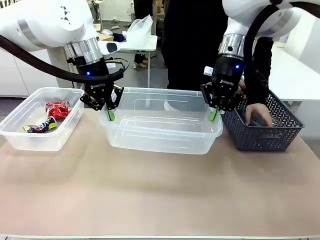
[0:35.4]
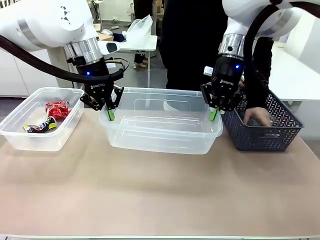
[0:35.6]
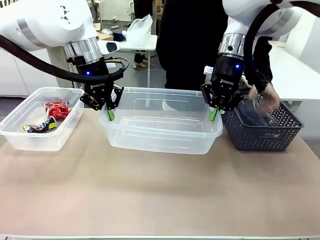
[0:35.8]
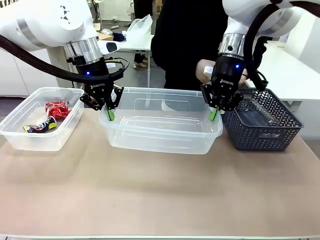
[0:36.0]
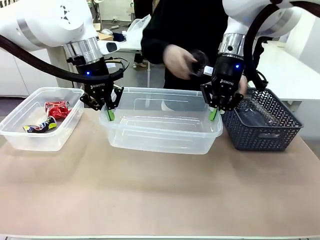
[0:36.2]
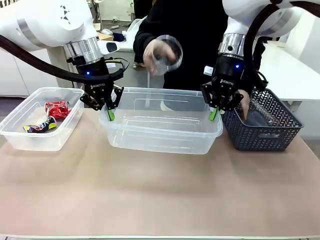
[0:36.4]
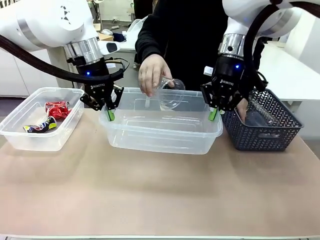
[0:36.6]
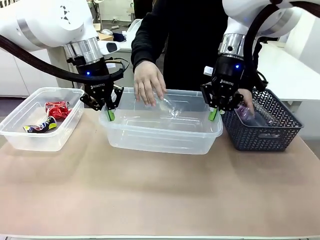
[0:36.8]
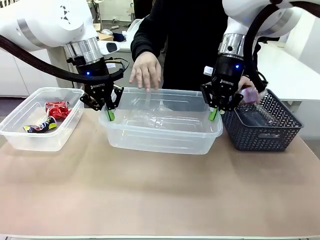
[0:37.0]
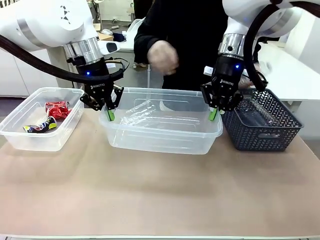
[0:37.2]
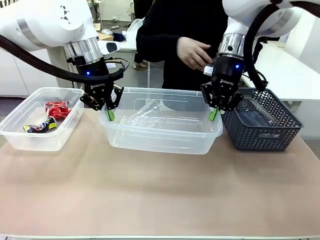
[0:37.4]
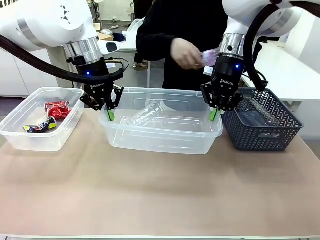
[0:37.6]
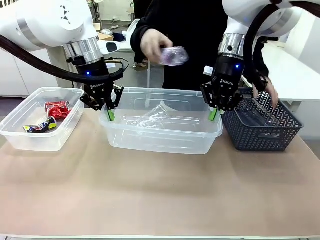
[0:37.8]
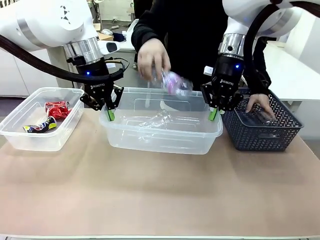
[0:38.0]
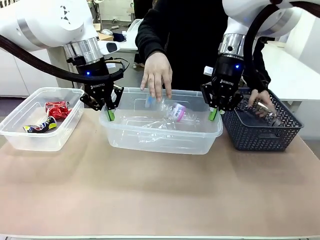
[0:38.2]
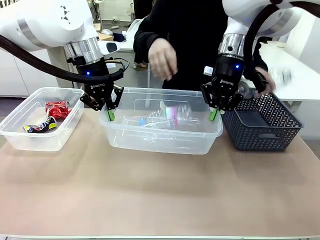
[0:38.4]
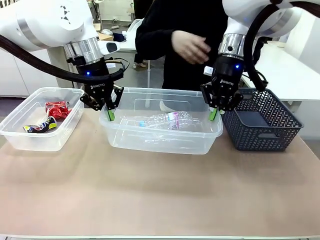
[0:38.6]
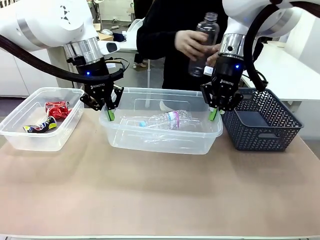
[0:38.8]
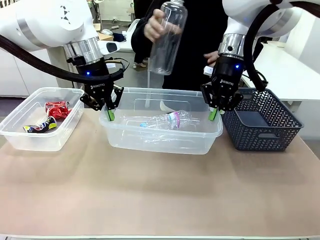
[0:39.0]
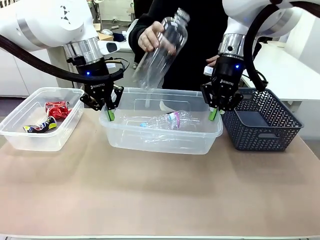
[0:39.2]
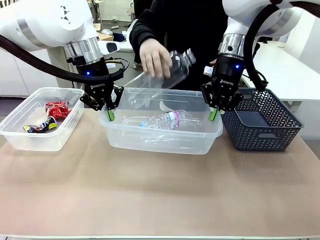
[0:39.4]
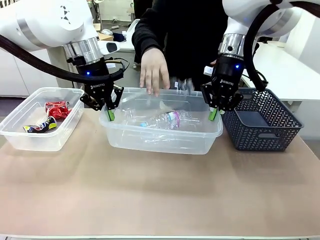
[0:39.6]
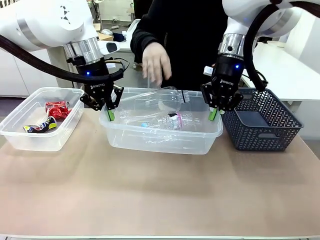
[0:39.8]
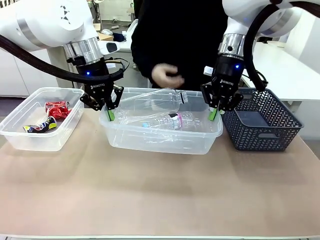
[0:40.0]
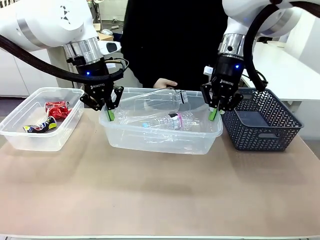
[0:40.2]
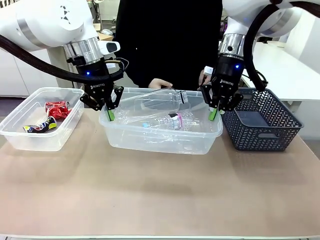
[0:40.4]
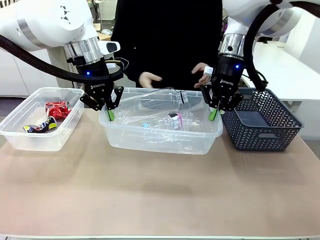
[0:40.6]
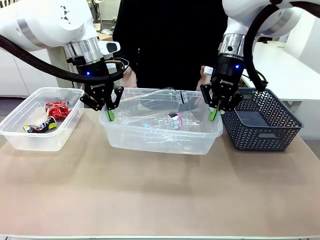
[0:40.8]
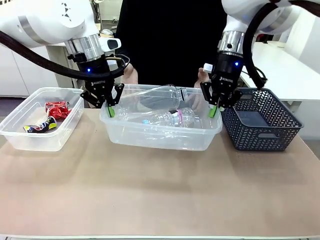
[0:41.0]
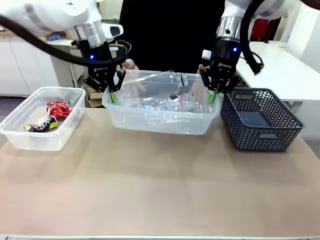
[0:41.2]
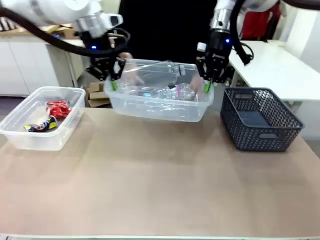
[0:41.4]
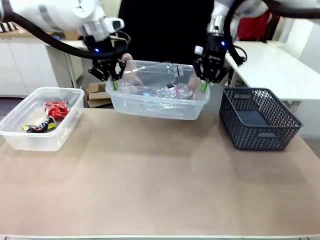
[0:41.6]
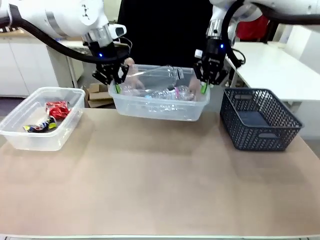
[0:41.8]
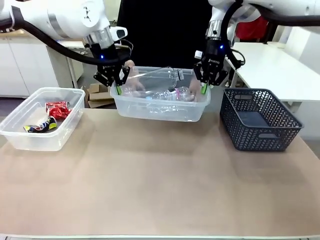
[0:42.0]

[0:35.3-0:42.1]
Robot: Offer the picked Organizing box to the human.

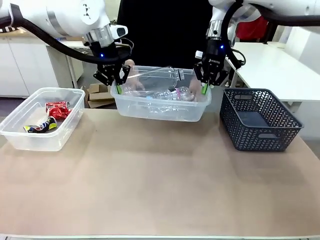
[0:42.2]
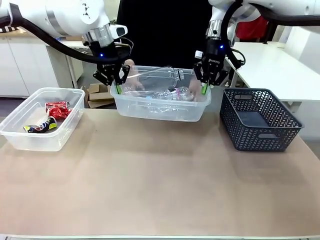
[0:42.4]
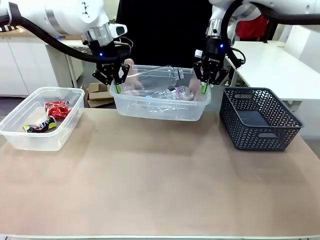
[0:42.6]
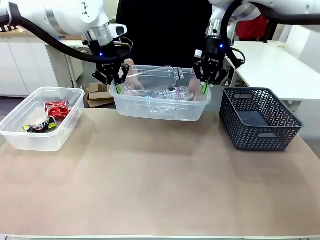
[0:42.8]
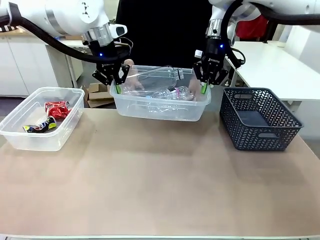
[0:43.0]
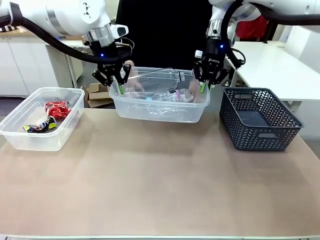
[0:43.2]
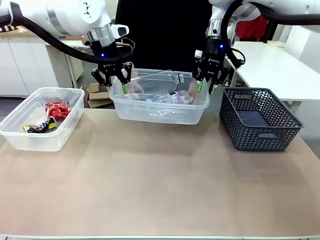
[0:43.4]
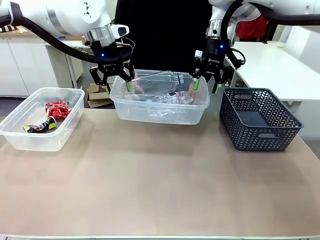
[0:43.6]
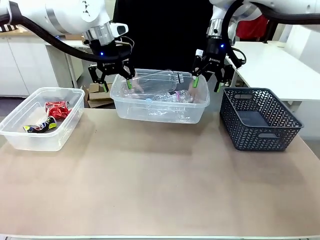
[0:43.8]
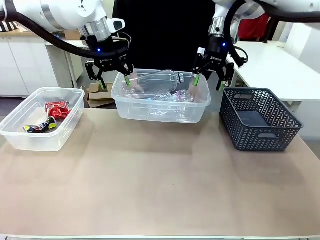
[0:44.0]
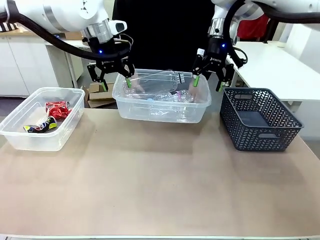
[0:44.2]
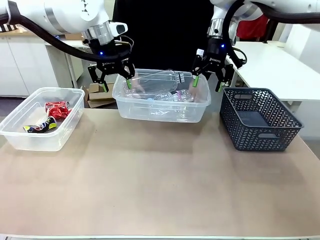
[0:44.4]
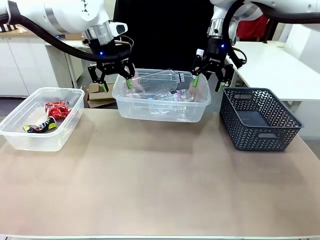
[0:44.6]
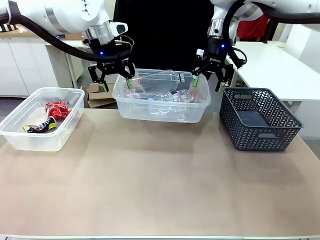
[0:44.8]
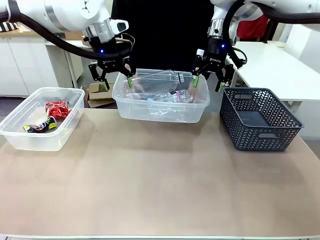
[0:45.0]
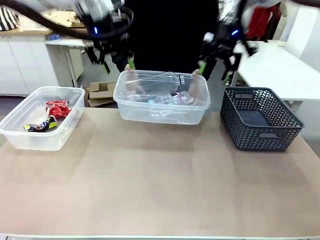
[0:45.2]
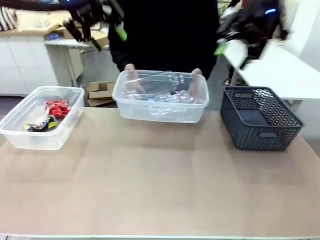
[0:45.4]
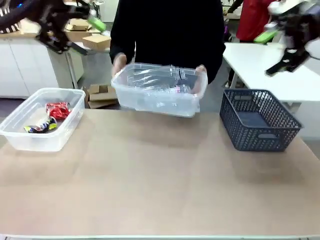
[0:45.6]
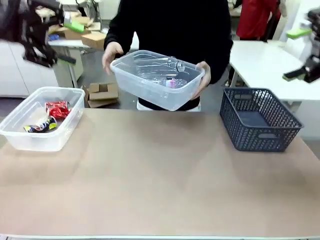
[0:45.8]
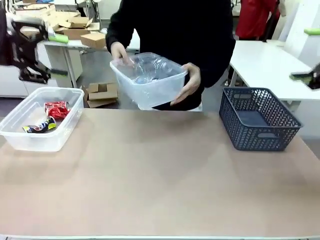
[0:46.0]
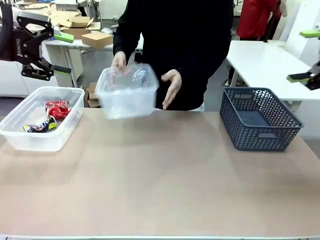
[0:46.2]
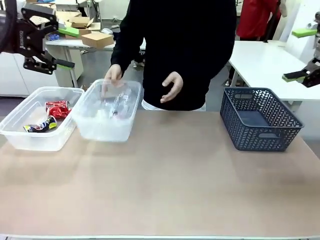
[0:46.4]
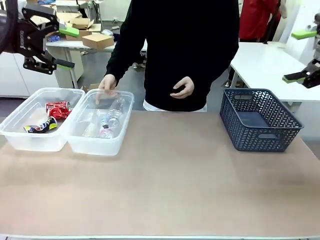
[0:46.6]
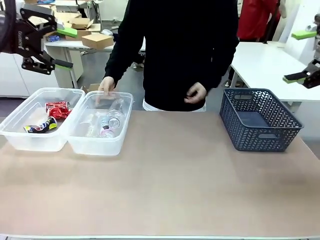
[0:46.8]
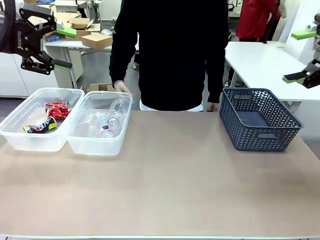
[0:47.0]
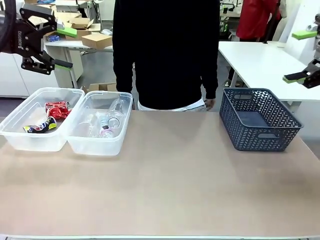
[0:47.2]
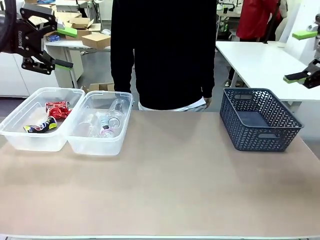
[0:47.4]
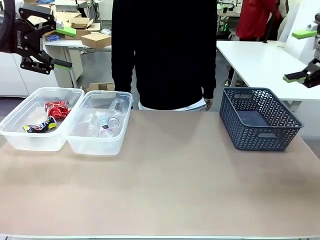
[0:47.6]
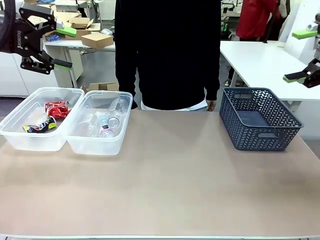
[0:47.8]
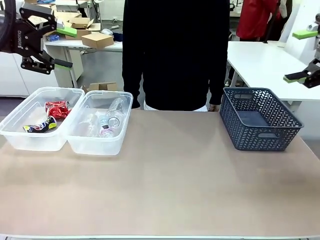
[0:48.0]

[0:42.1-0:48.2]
Robot: Release the Organizing box you were holding.
Person: Pick up the organizing box extended by the robot. Place the organizing box to the left of the sorting box containing the can waste.

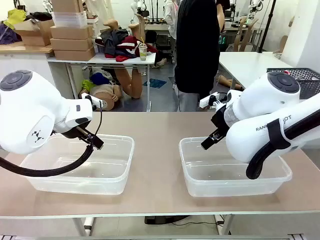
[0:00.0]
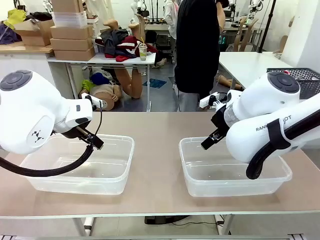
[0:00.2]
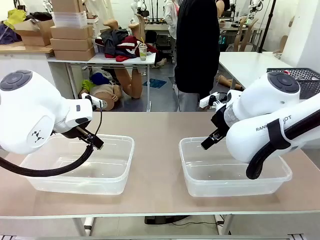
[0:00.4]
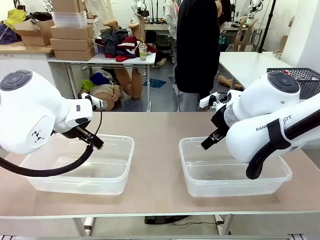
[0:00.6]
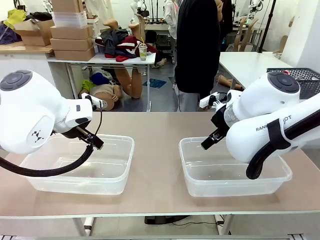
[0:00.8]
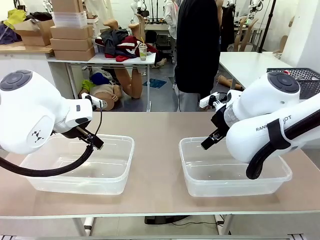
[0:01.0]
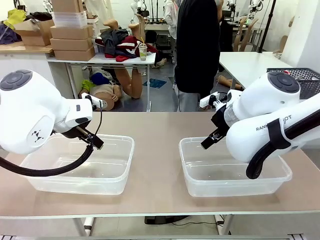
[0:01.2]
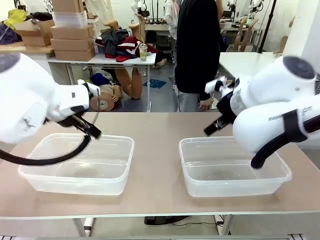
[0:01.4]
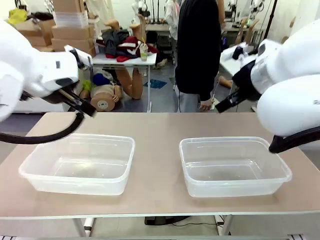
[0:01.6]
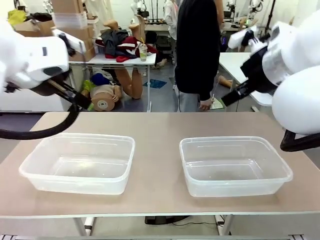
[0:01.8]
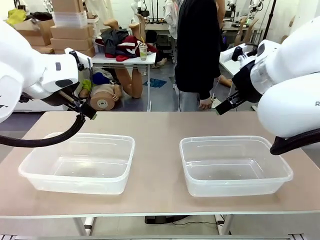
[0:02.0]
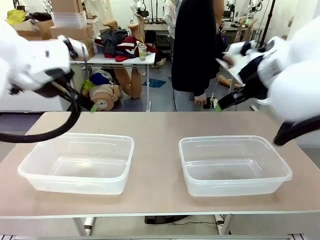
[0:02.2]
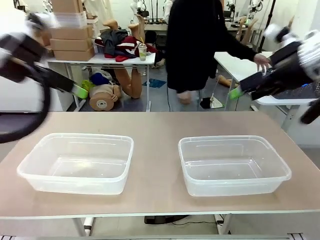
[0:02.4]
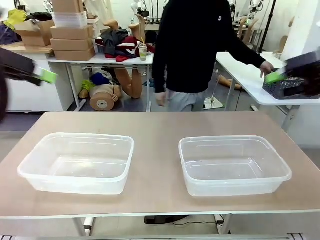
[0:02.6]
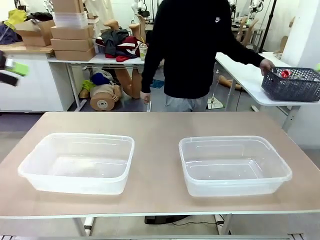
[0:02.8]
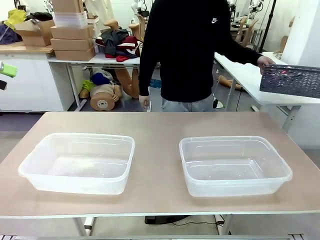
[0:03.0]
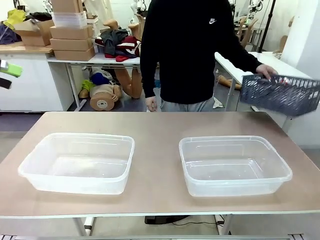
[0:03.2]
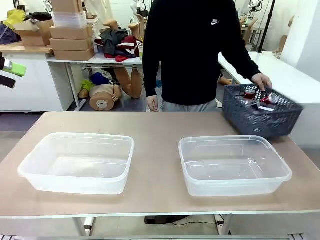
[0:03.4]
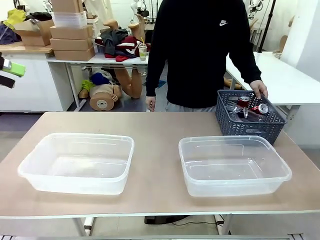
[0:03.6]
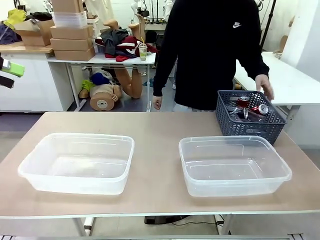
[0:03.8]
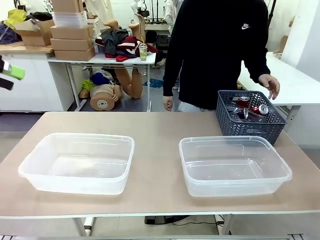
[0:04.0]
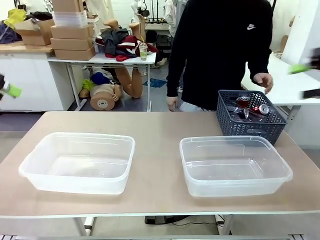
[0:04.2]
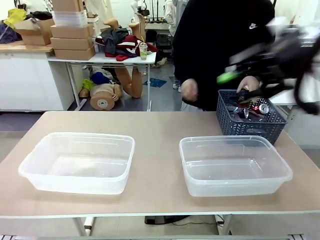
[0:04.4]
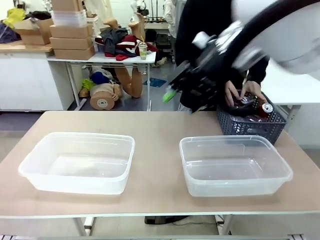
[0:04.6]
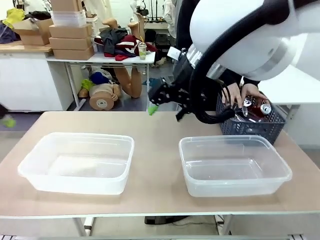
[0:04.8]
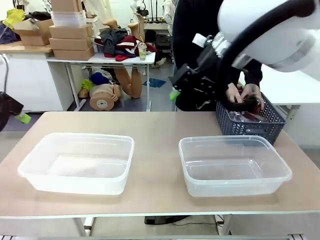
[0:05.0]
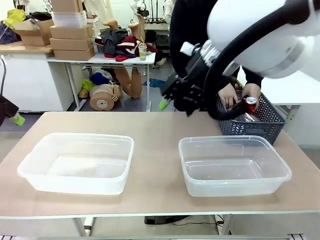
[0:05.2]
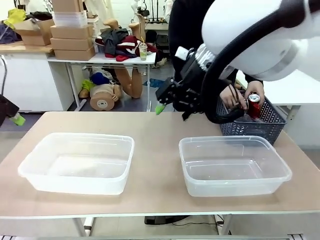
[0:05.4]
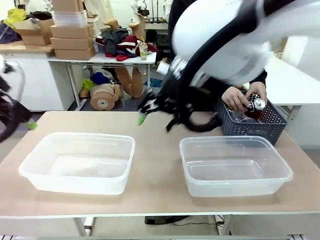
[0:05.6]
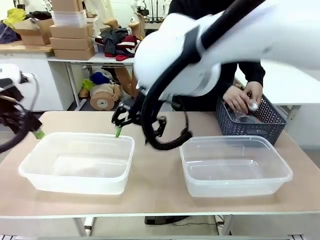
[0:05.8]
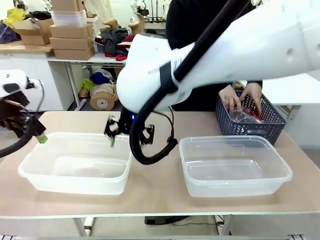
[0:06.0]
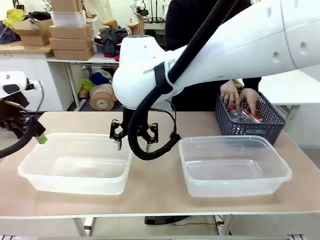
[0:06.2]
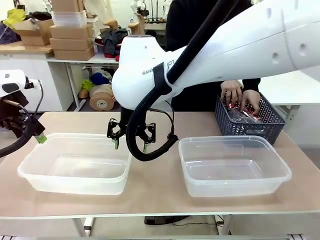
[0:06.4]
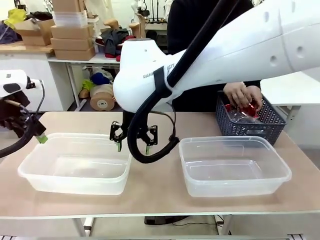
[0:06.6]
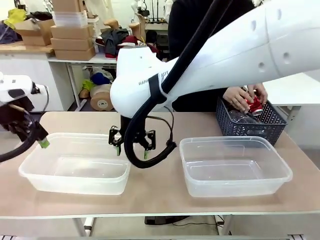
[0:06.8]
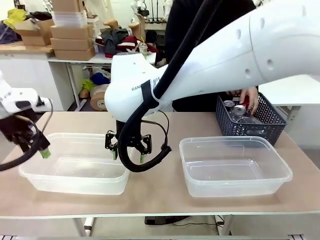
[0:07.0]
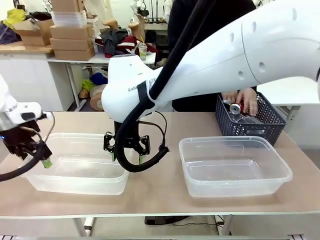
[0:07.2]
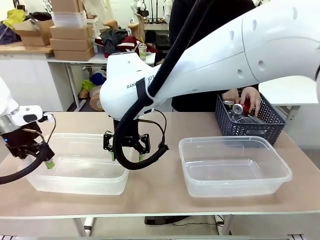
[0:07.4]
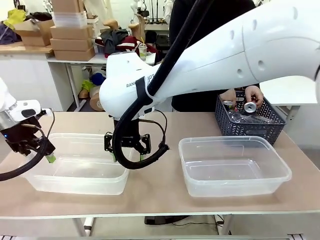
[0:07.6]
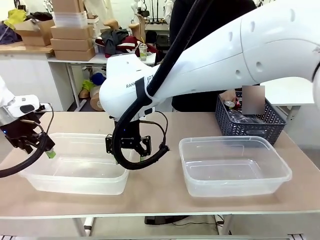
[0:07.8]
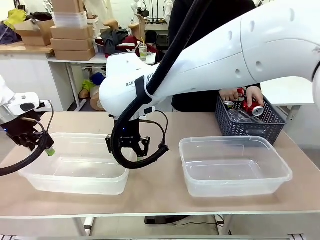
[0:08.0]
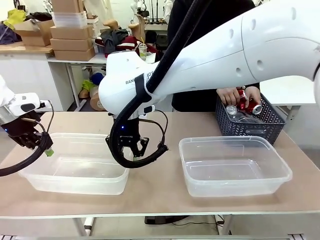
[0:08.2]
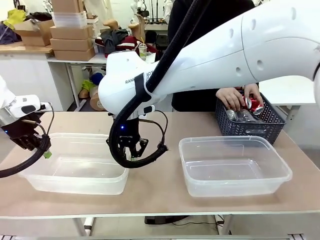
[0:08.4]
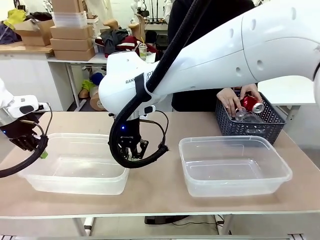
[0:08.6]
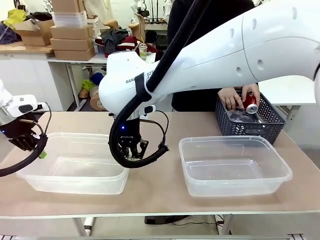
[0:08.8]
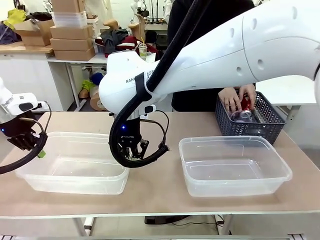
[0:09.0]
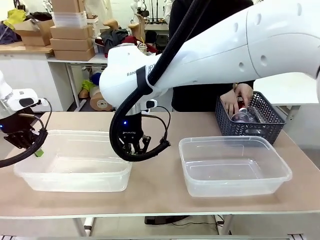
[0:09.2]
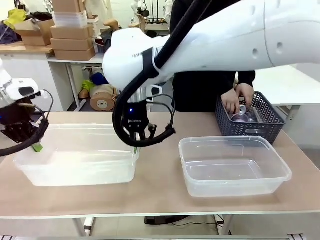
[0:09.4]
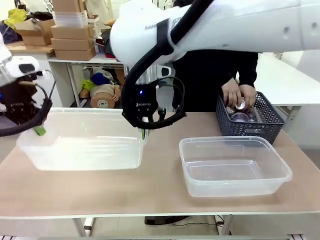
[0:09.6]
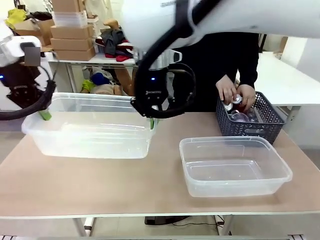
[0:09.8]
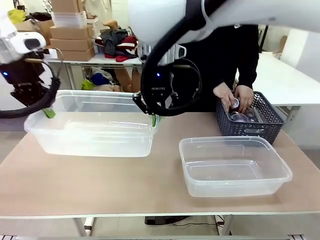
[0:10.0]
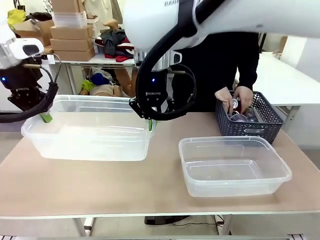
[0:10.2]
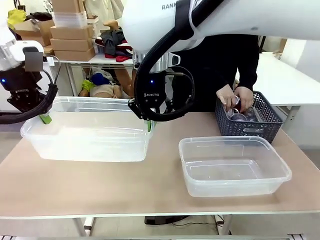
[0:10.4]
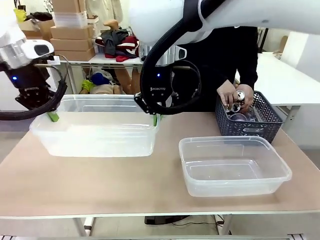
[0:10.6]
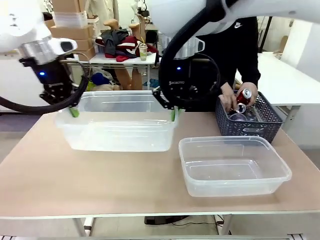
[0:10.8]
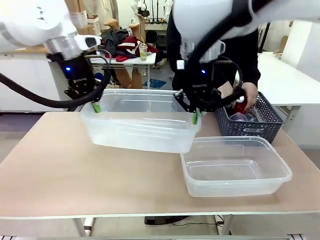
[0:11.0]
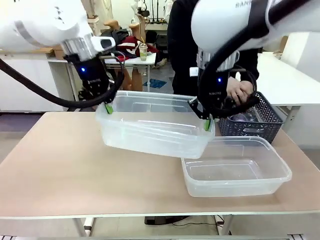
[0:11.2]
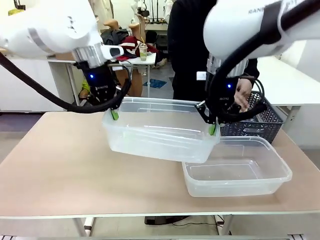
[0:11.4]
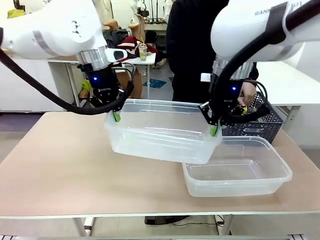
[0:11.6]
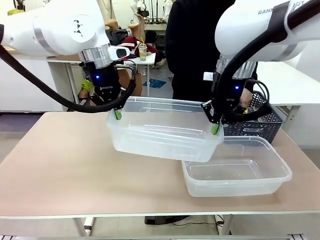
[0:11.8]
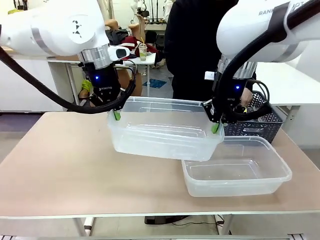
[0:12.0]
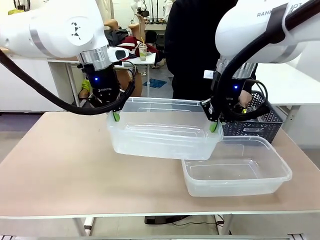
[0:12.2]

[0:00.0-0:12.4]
Robot: Pick up the Organizing box on the left side of the table and lift it.
Person: Pick up the storage basket and place it on the left side of the robot table. Pick up can-shaped waste one by one and place it into the organizing box lifted by the robot.
